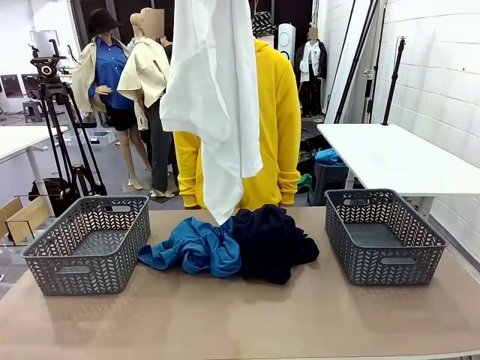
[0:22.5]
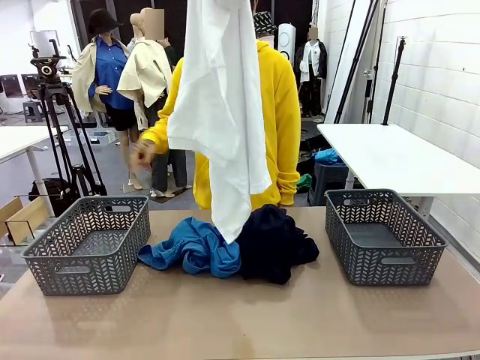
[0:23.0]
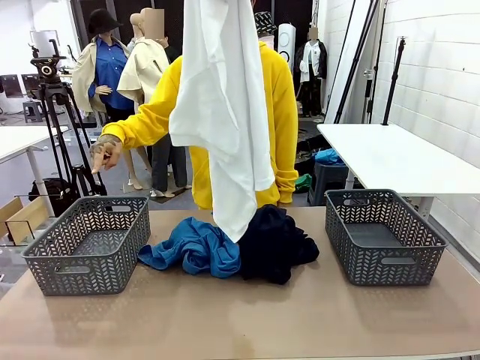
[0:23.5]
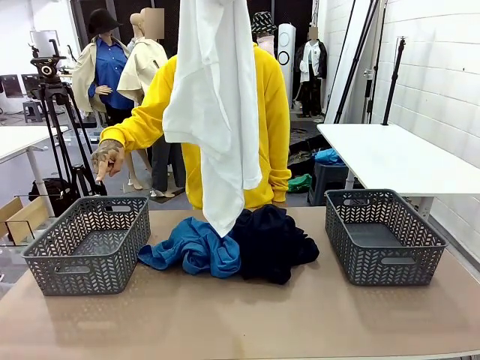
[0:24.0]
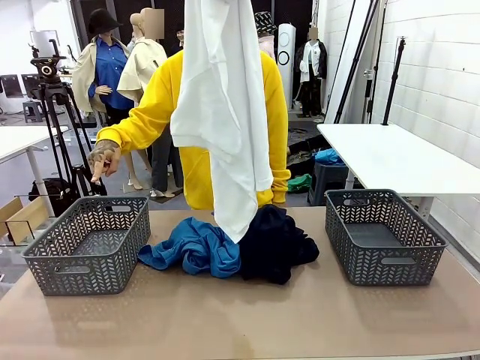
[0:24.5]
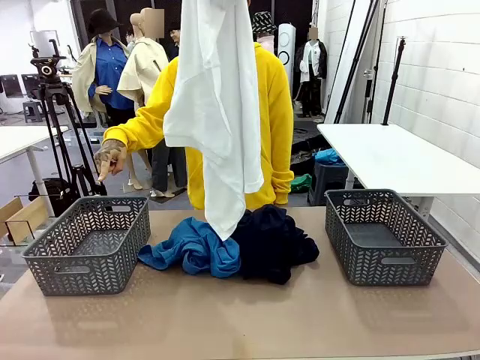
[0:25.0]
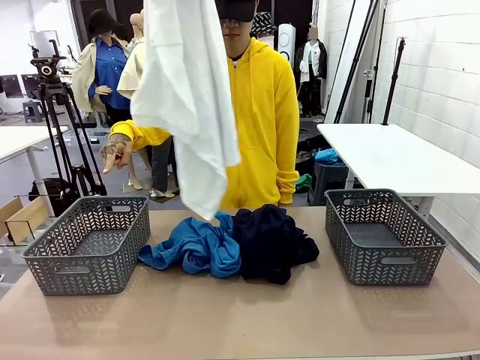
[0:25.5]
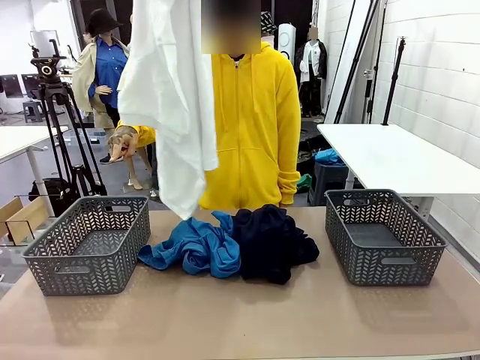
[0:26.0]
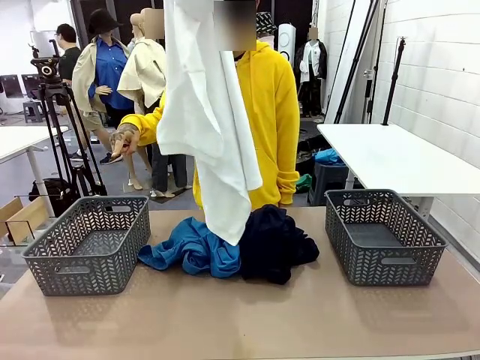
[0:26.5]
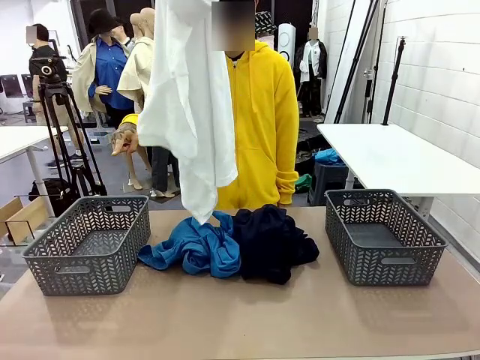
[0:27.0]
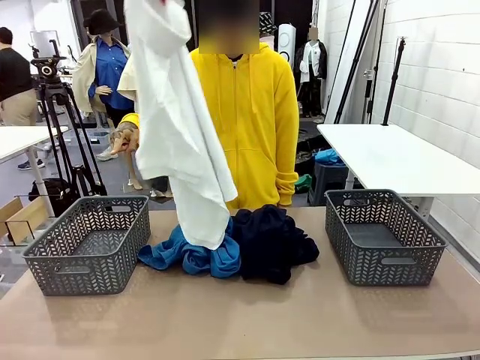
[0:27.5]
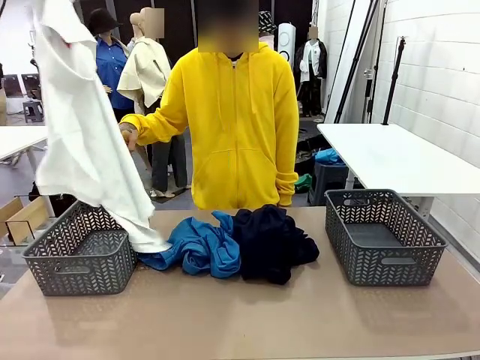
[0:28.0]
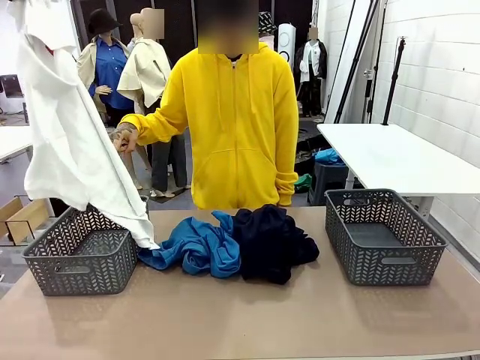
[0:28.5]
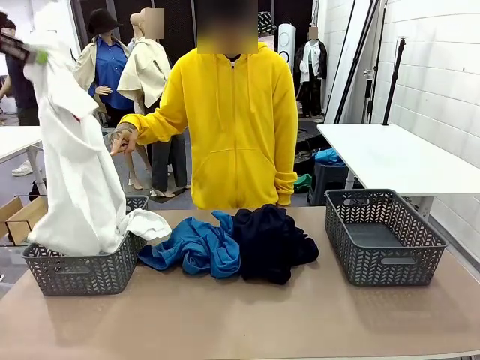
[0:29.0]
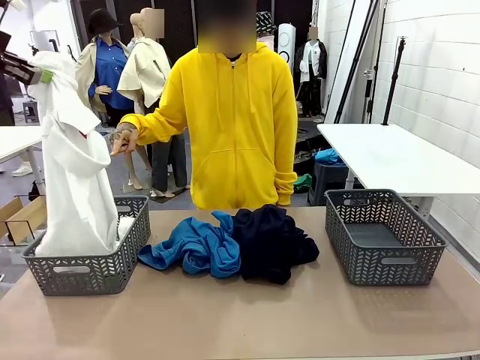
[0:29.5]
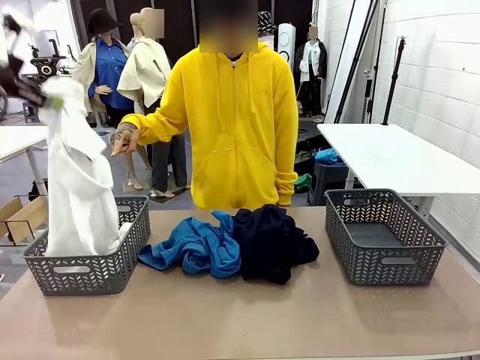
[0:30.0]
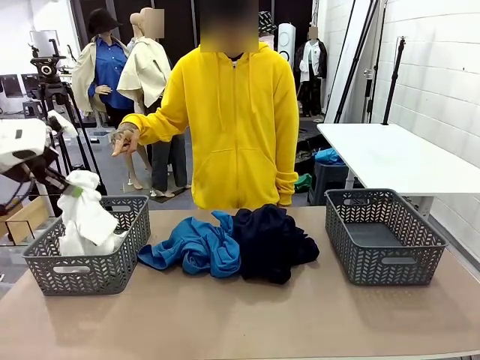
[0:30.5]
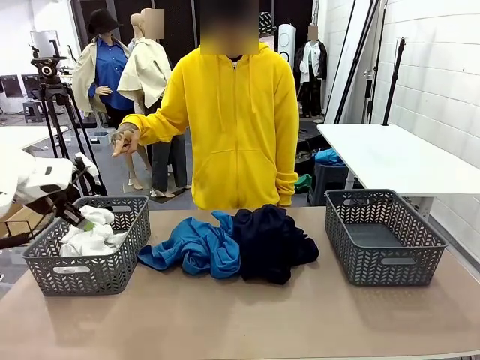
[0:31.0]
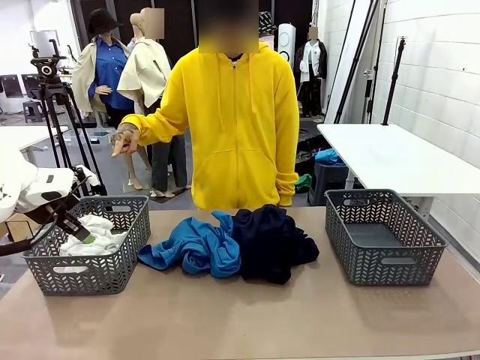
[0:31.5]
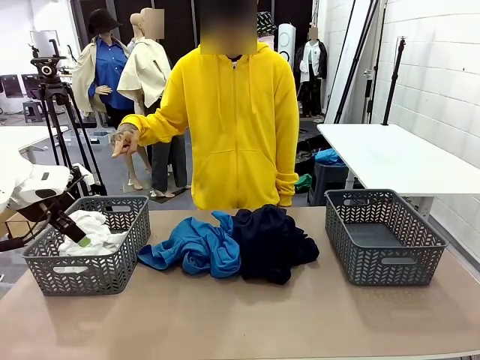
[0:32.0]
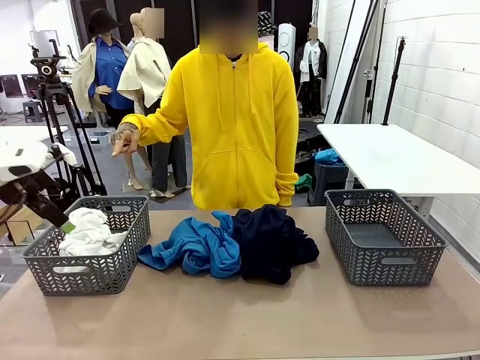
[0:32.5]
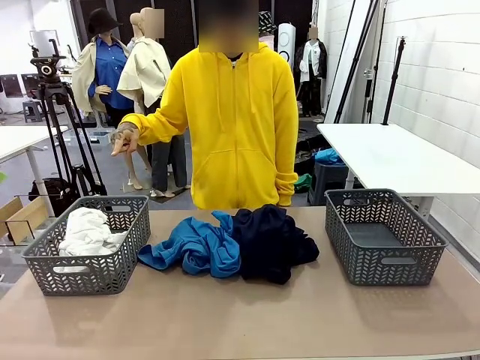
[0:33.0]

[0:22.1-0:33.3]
Task: Sort the tops and bottoms.
Robot: Sort the clothes according to human instructions.

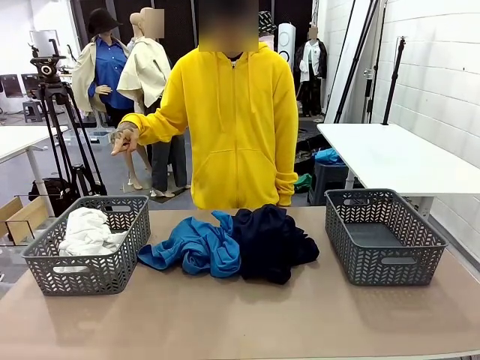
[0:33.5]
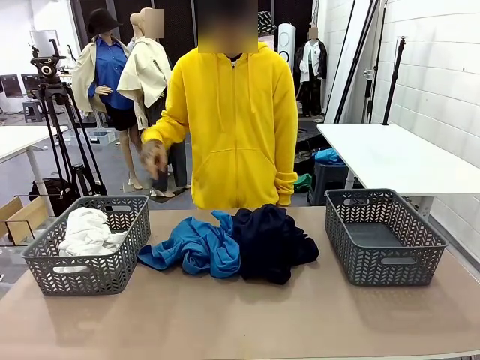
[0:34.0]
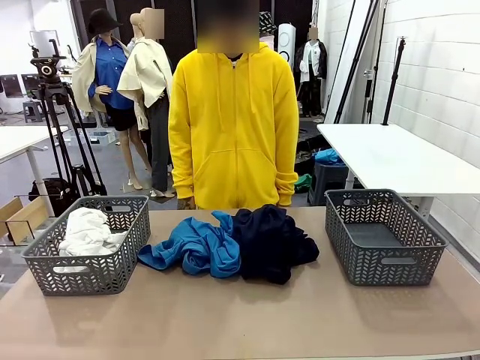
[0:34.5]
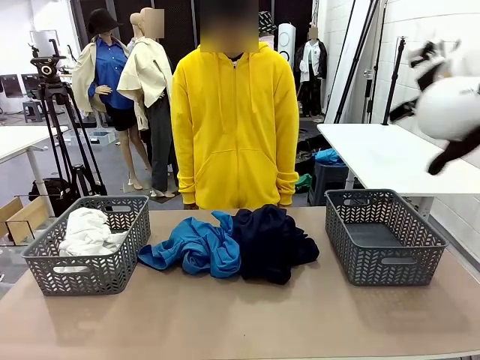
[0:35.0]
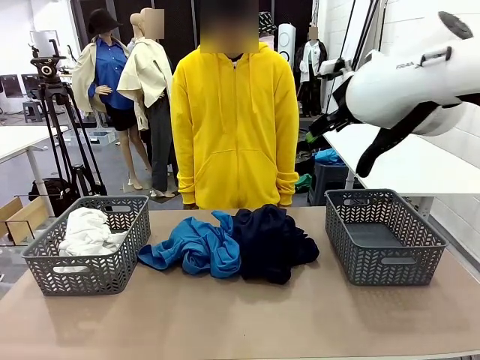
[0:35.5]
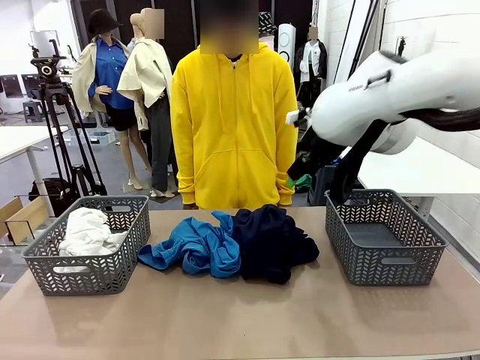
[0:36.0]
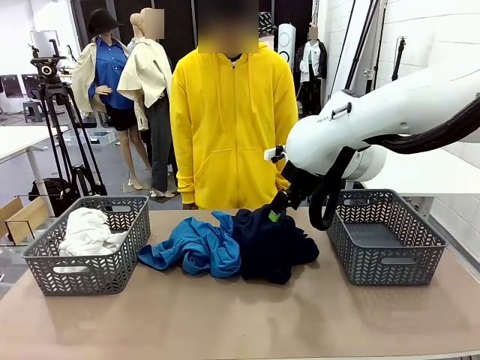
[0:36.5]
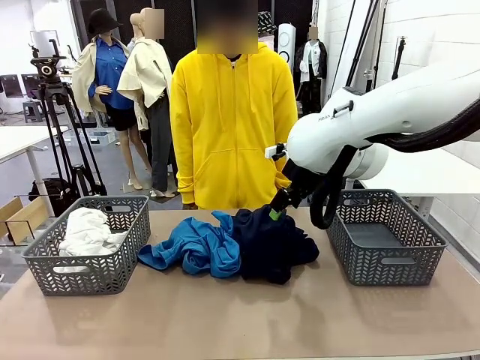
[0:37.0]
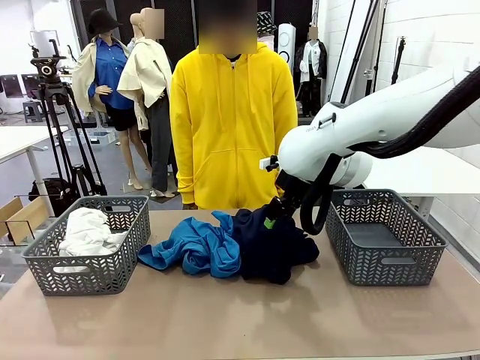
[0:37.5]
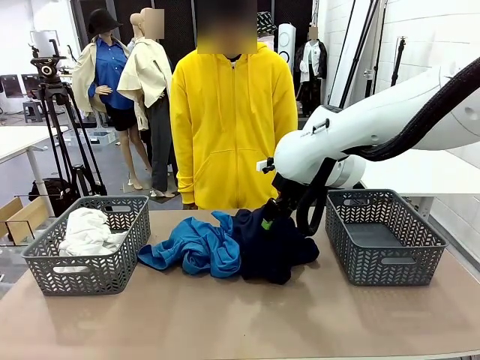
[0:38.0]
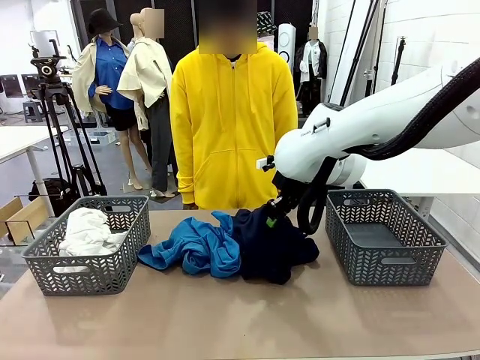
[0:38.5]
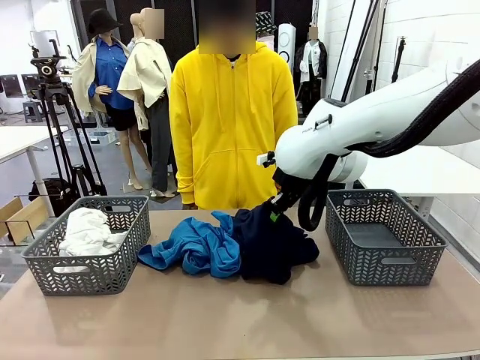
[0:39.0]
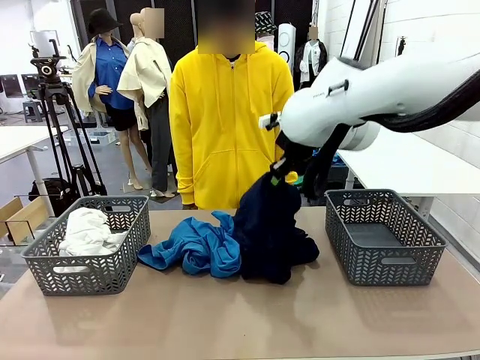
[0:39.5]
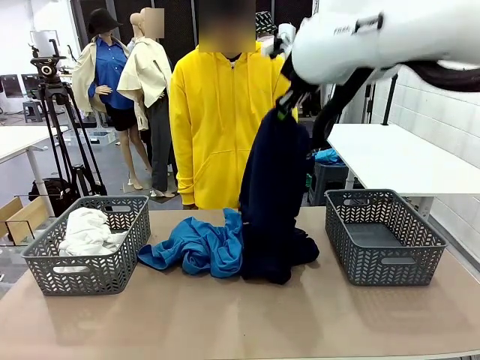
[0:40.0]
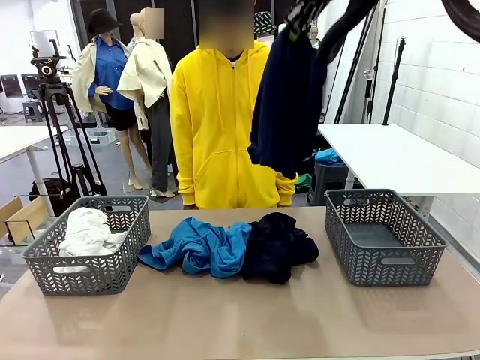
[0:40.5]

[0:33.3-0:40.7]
Robot: Lift clothes from the center of the table with your right hand.

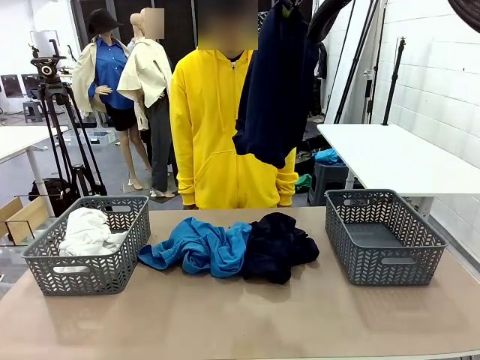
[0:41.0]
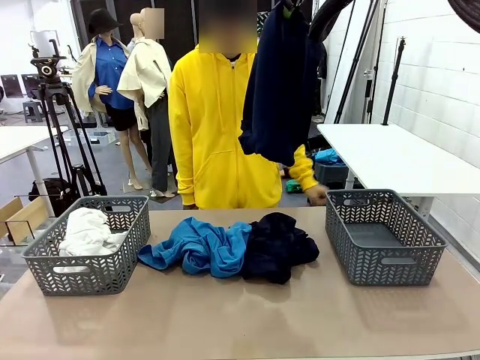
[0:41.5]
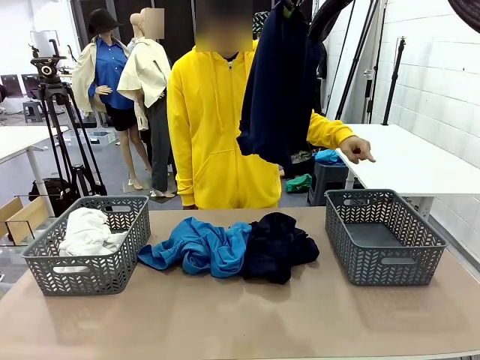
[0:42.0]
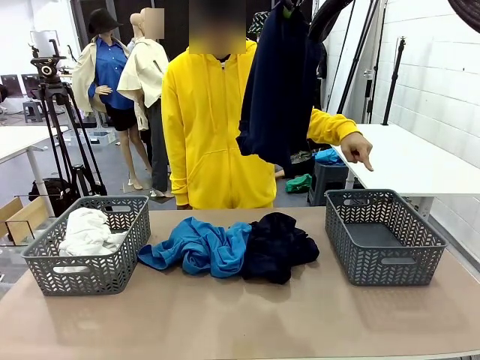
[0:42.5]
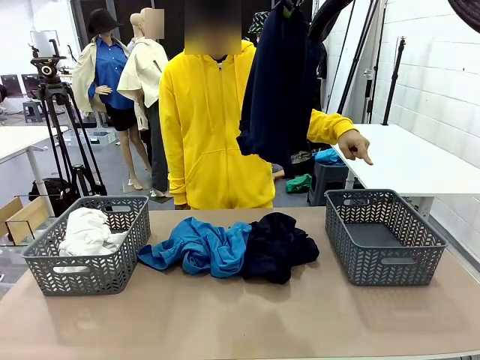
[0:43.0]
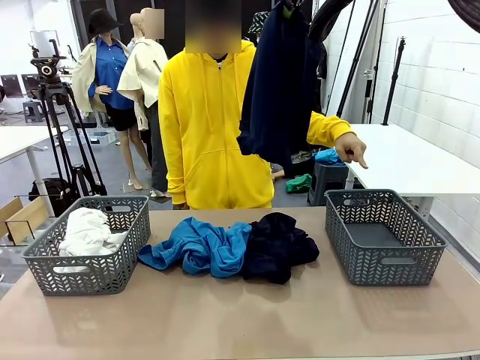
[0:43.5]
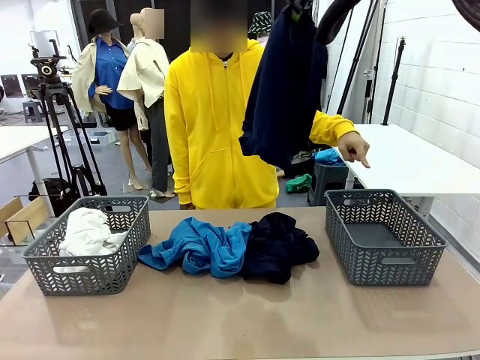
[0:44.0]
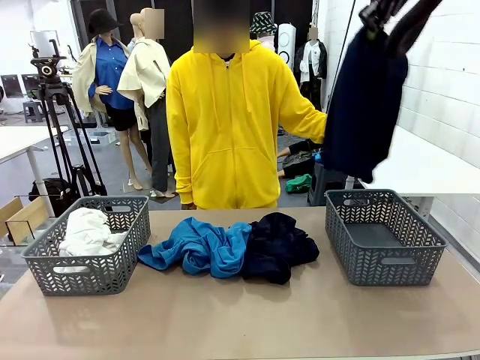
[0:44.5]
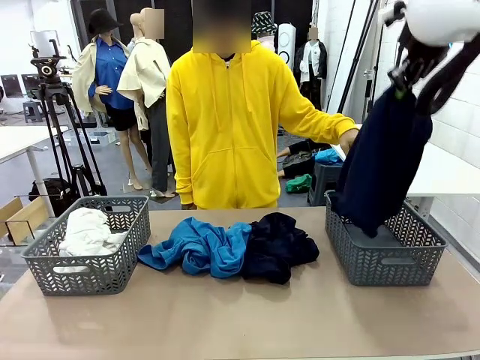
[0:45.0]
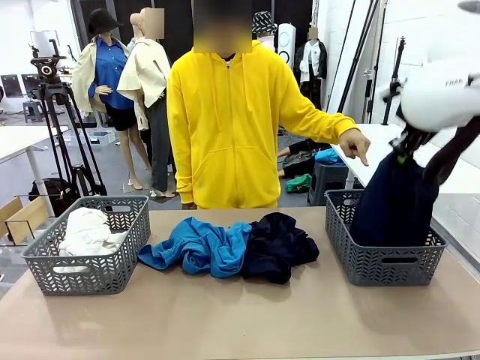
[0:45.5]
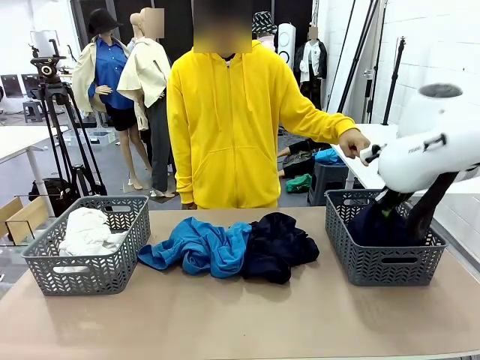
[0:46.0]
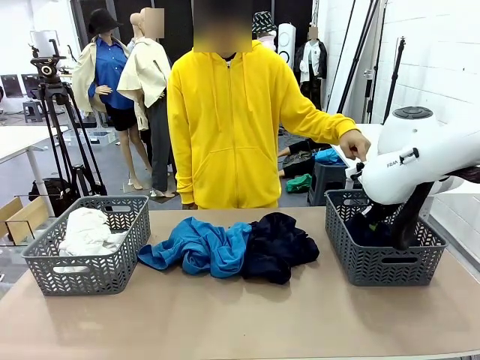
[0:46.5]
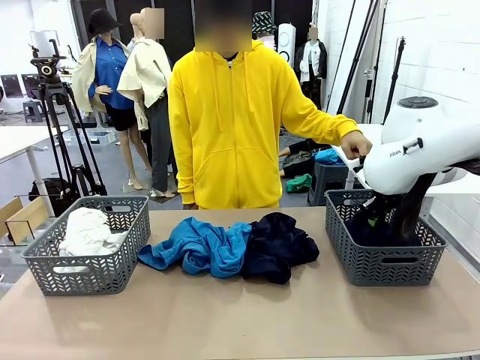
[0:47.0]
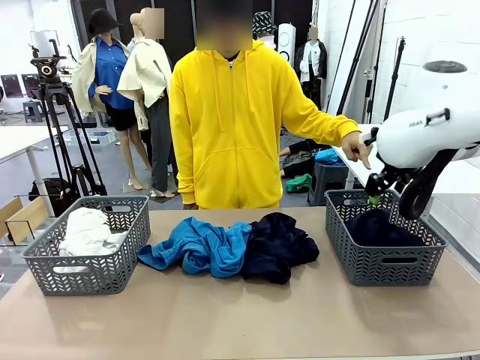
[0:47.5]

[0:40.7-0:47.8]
Robot: Sort the clothes according to human instructions.
